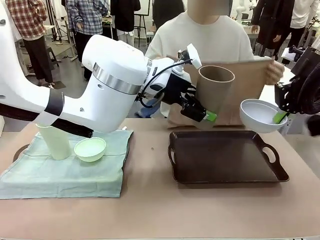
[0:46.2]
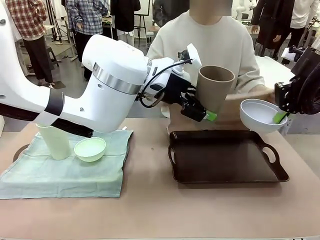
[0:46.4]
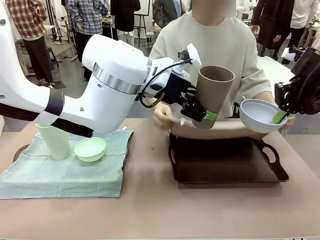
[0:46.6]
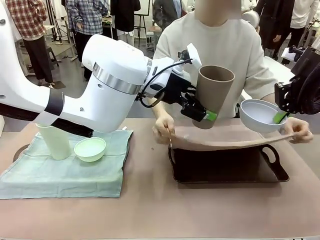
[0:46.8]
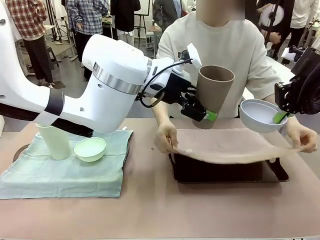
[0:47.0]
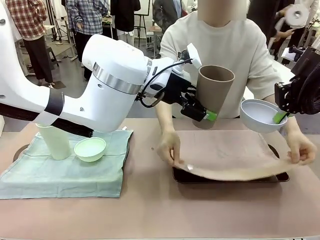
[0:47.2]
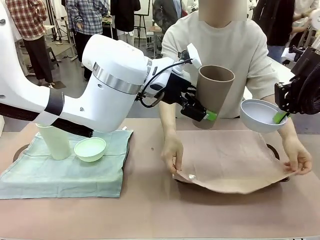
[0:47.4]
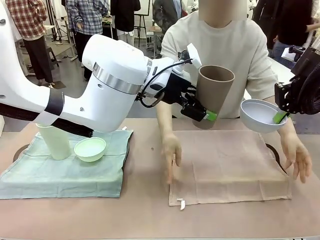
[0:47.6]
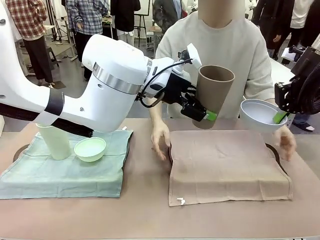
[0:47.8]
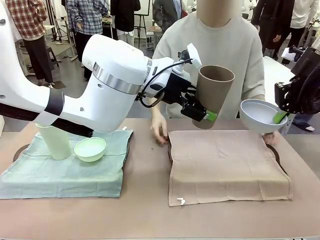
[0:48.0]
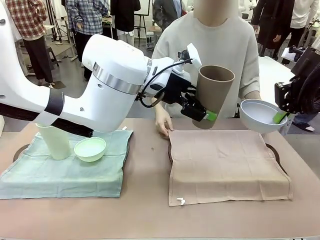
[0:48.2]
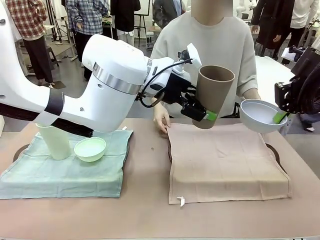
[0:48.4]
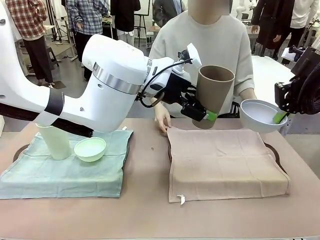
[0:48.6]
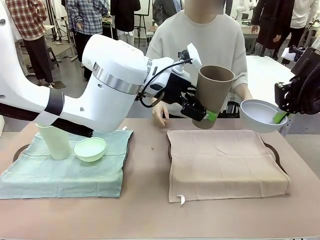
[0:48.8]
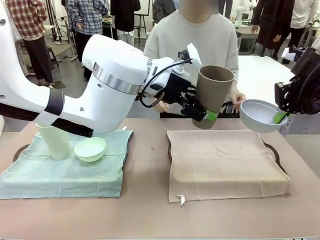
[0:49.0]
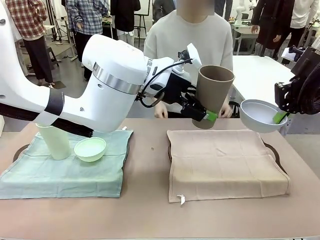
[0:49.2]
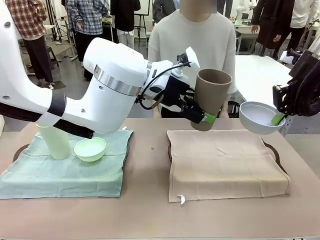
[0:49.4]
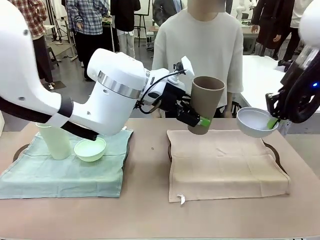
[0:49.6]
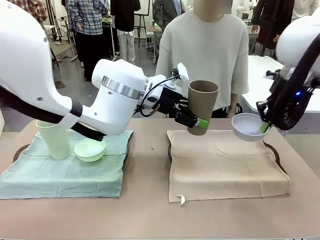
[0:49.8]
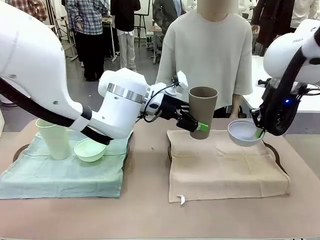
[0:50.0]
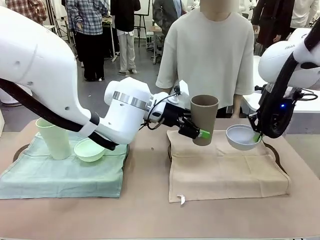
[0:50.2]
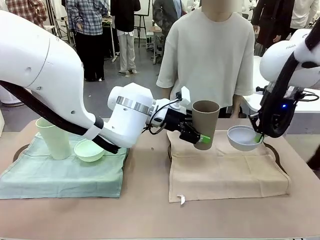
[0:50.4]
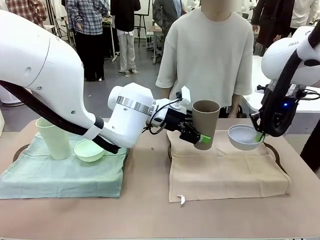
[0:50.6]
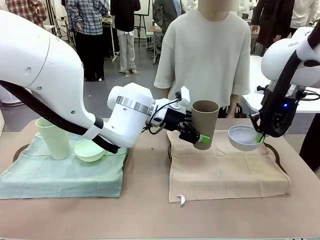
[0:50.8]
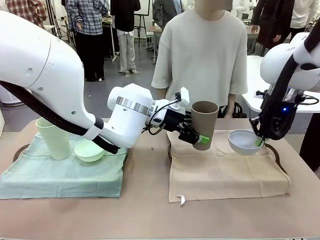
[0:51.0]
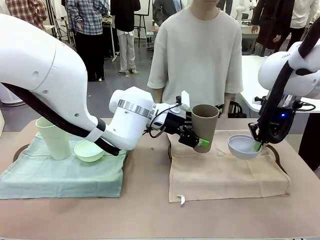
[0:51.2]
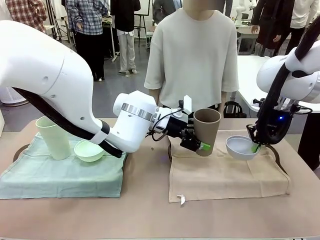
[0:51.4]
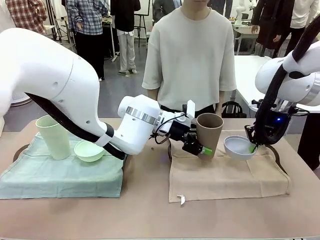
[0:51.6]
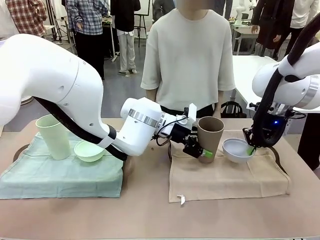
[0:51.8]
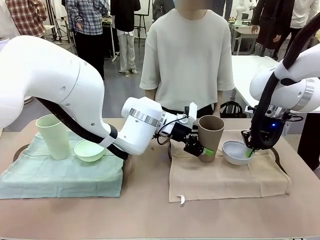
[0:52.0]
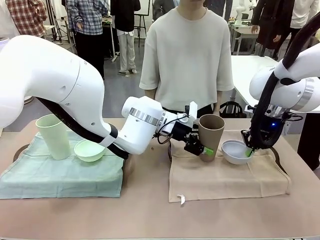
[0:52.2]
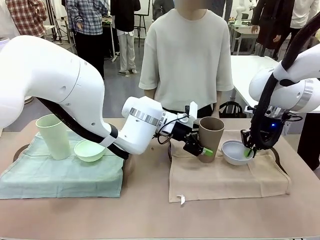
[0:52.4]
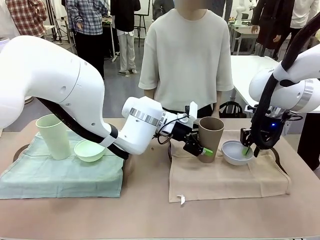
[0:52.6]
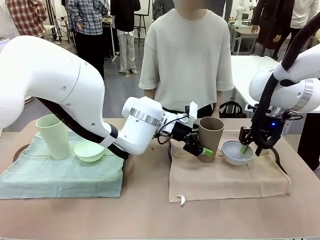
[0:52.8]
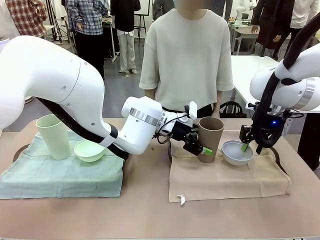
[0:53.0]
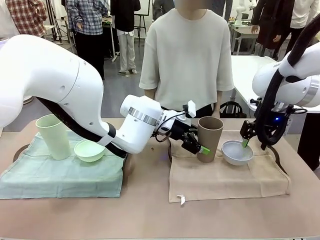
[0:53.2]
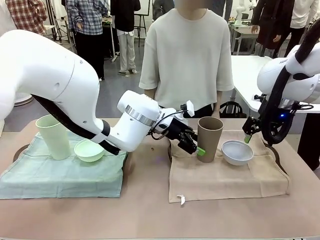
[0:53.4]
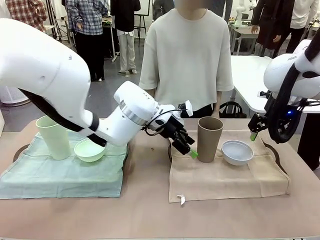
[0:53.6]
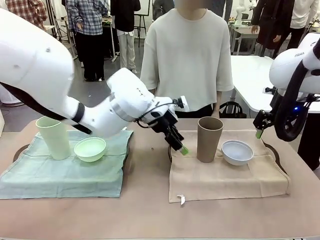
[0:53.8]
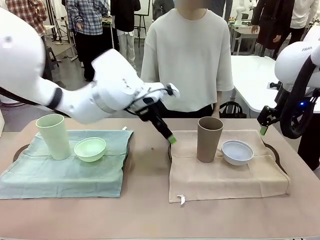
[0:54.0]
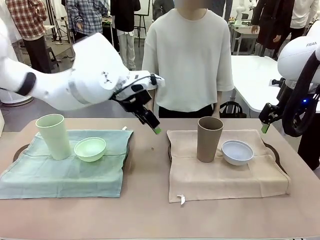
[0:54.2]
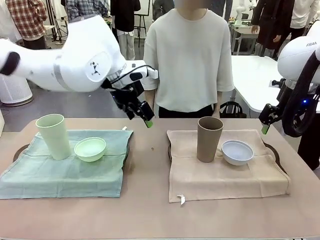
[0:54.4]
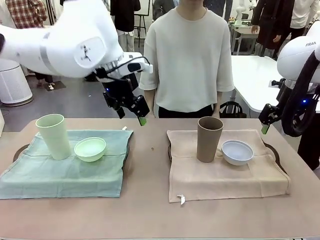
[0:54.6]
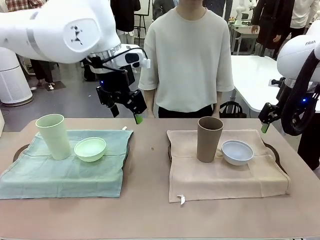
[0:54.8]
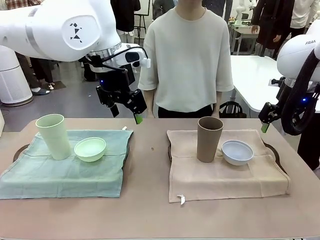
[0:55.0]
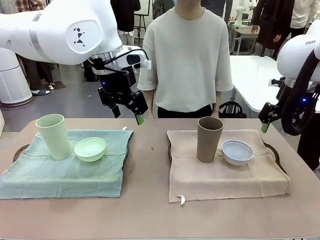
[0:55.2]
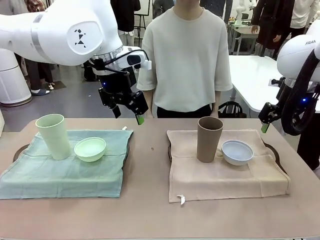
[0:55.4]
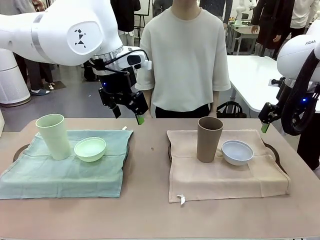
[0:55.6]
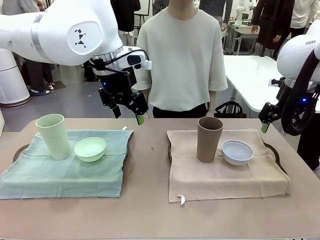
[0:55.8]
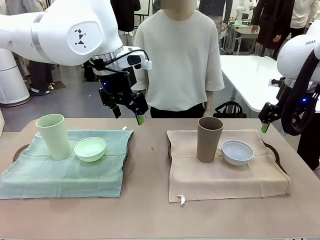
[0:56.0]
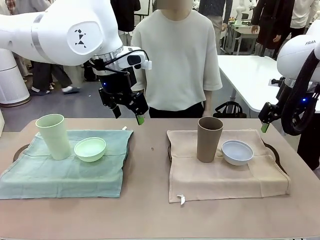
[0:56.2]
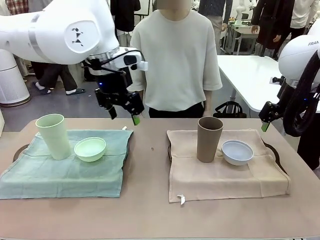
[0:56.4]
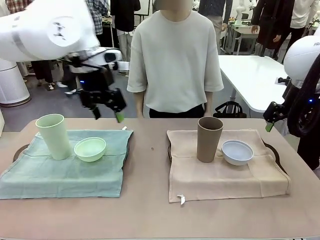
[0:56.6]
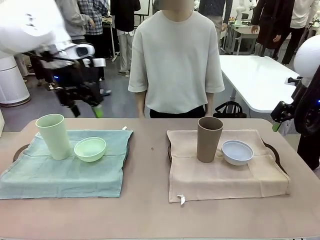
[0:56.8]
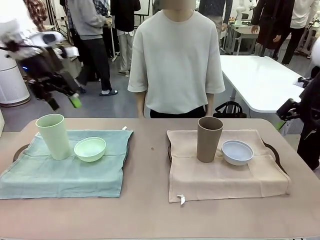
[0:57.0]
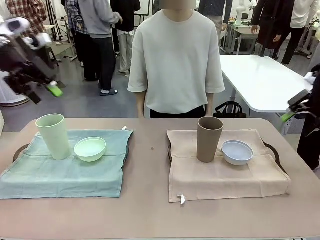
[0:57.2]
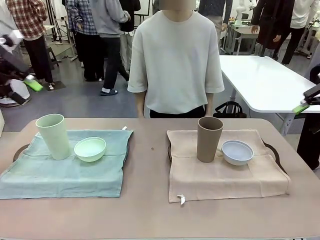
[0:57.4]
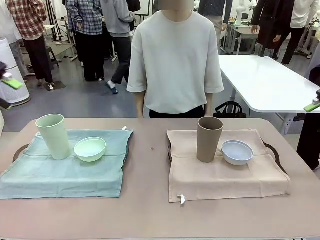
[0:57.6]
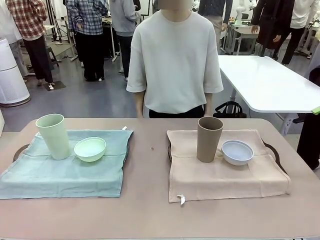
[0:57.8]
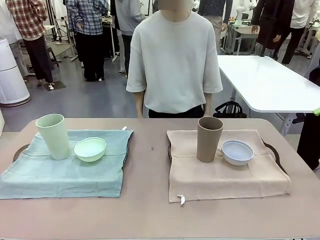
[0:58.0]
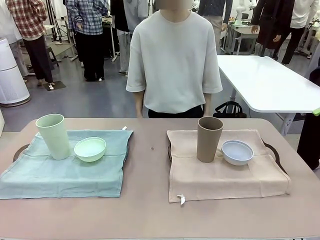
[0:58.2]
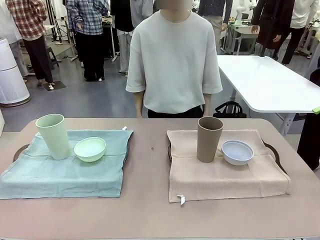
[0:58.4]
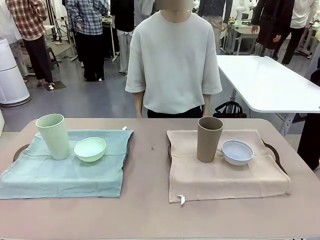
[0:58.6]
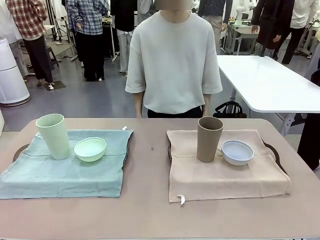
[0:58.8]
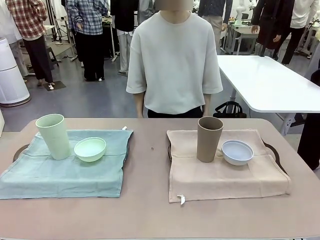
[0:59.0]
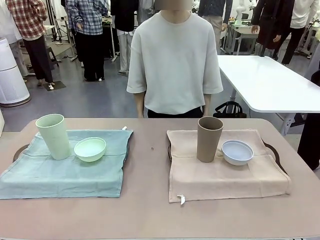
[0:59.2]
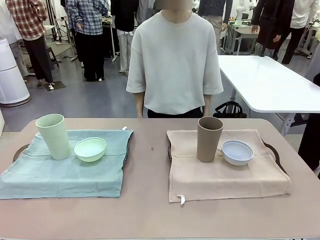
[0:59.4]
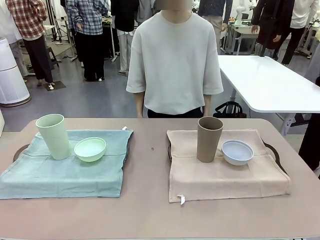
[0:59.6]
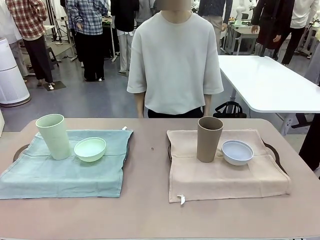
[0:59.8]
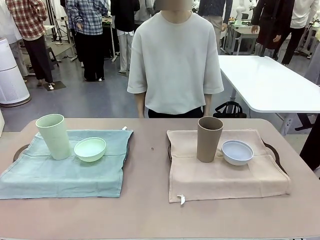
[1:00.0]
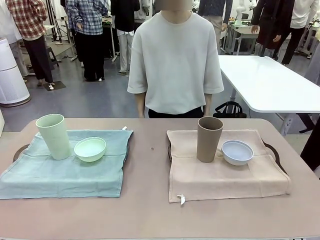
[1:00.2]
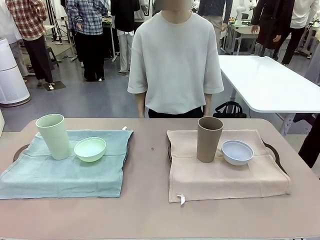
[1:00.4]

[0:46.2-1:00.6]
Robot: Place the Picnic Bowl and Reusable plastic cup back onto the Handle tray in front of the human's position.
Person: When the robot lifts the bowl and the cup, the human unfolds the napkin and lays the napkin flat on the tray.

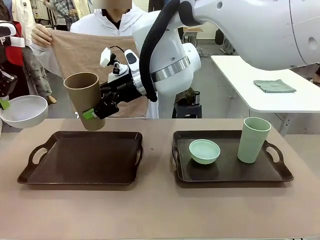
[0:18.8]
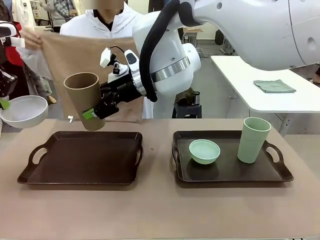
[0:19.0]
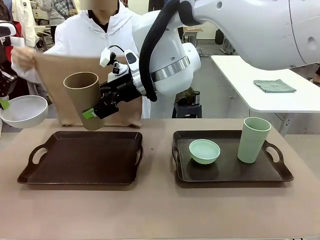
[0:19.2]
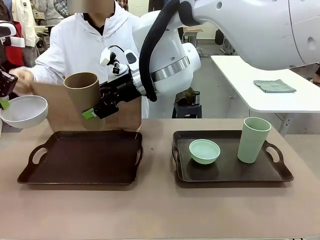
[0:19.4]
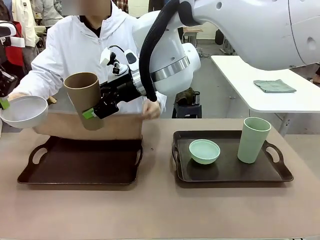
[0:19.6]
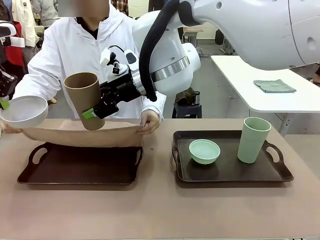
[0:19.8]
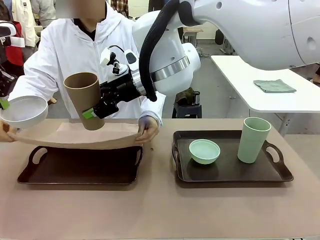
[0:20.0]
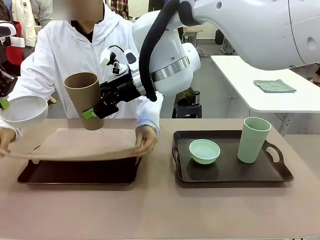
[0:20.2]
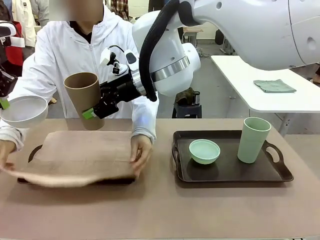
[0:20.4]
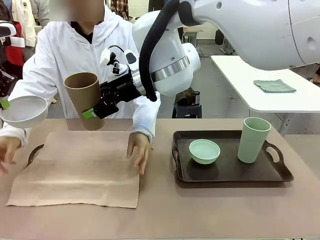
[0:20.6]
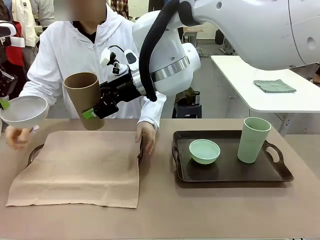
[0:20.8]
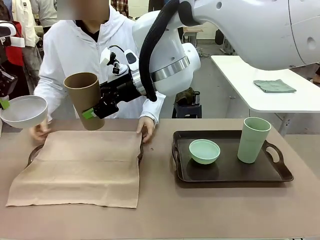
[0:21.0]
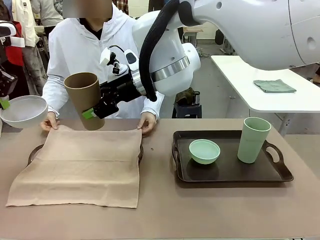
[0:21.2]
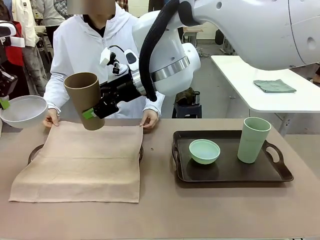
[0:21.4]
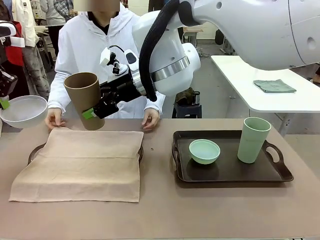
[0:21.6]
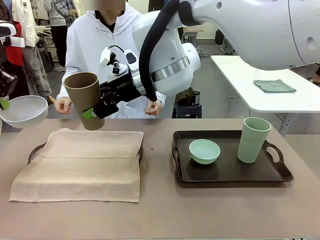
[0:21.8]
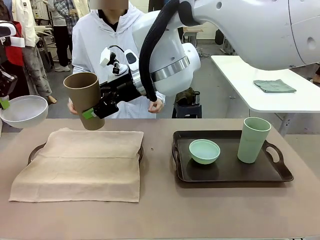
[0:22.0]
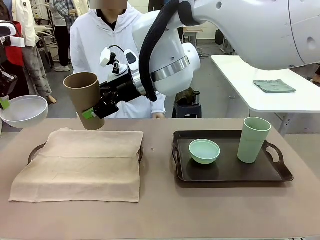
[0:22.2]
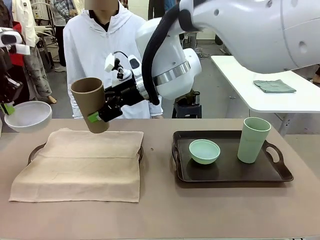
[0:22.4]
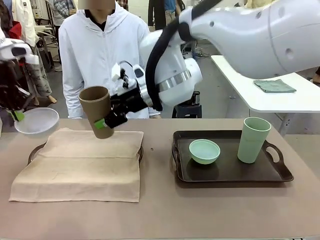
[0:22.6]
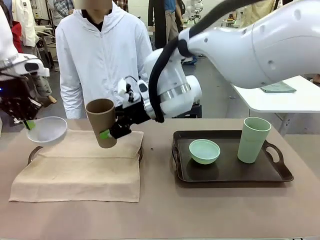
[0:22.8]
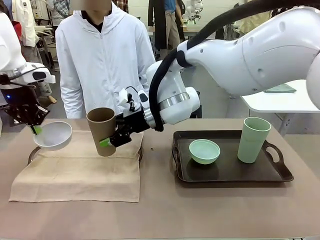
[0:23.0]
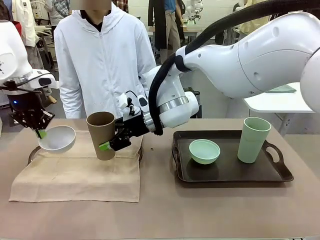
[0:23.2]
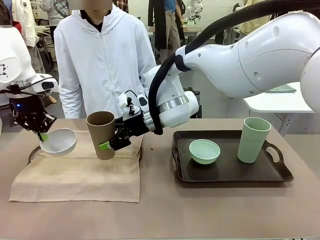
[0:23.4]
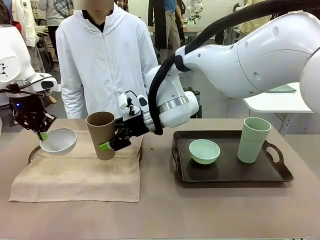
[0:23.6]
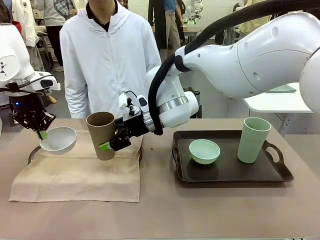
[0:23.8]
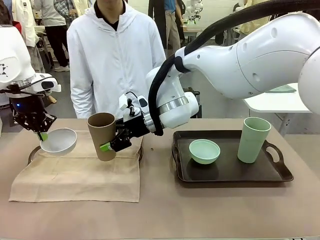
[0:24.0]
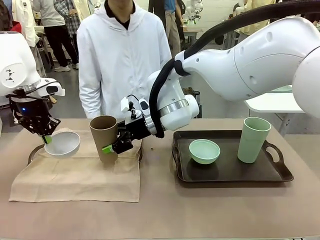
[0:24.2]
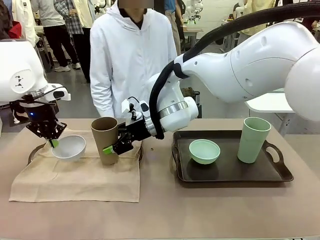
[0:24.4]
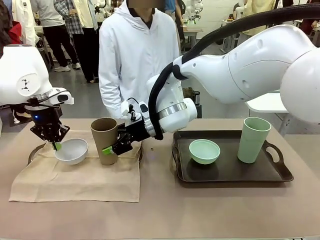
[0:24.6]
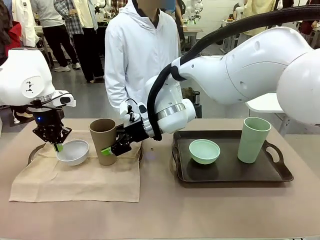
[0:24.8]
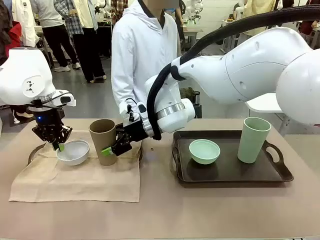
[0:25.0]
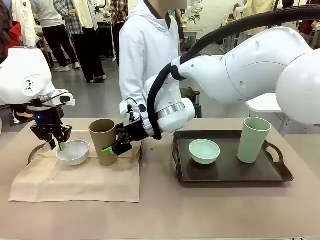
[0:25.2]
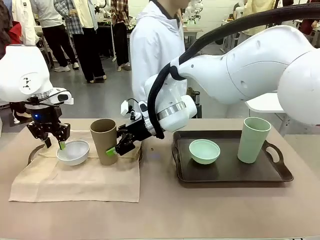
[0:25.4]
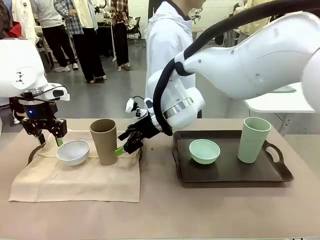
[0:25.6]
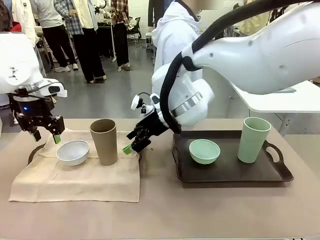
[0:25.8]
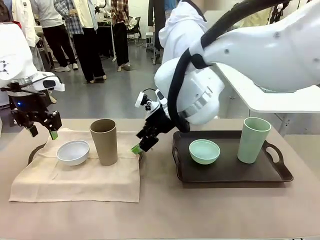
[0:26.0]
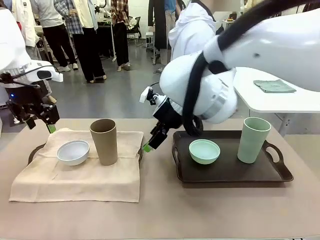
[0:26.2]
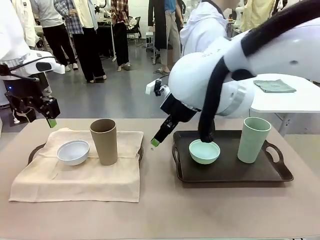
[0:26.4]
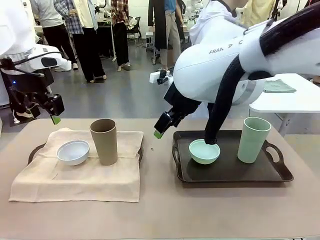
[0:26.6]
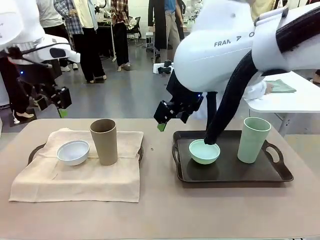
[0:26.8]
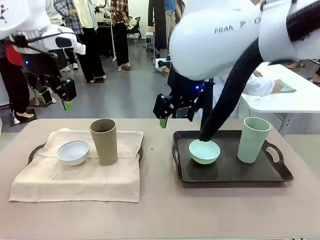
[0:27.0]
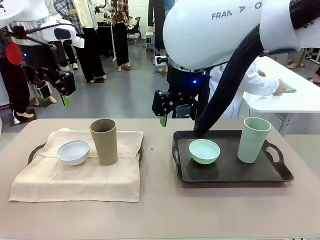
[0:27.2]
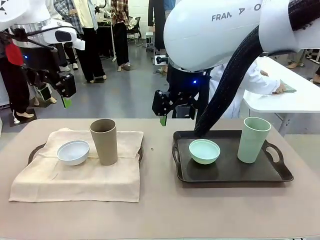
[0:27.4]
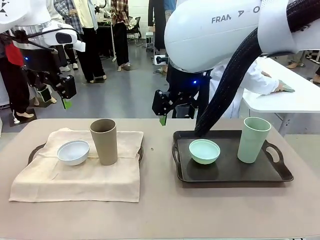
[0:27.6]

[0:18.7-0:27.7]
Robot: Place the Picnic Bowl and Reusable plastic cup back onto the Handle tray in front of the human's position.
Person: The human returns to the human table to pick up another napkin and walks to the robot table to stand in front of the tray without a napkin.
